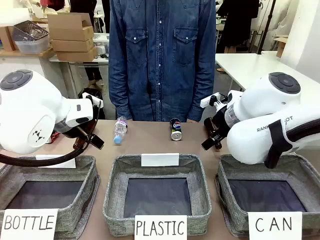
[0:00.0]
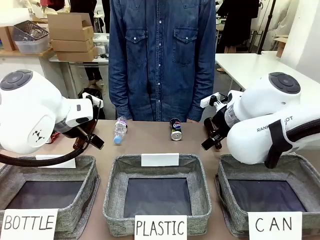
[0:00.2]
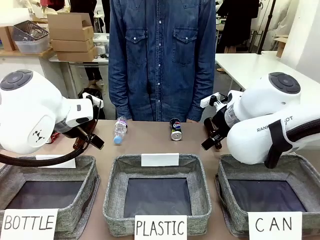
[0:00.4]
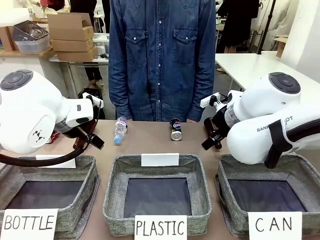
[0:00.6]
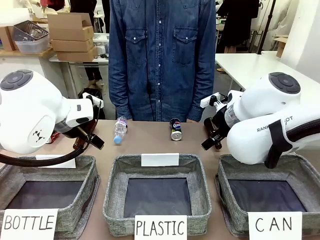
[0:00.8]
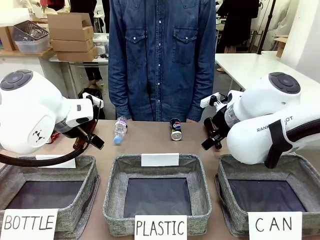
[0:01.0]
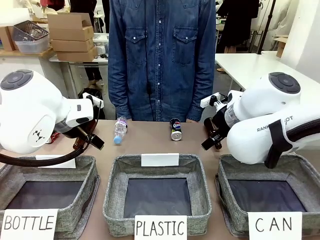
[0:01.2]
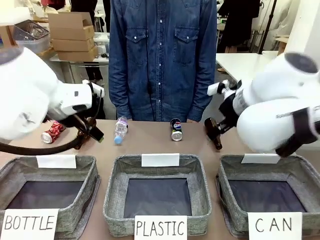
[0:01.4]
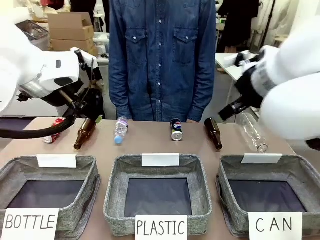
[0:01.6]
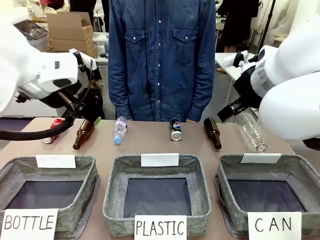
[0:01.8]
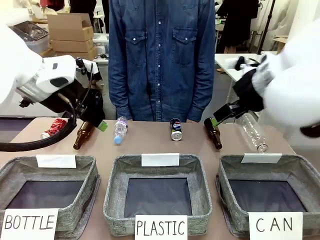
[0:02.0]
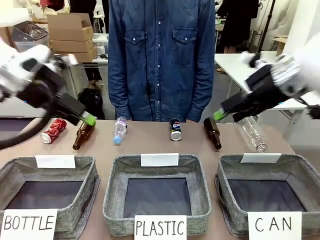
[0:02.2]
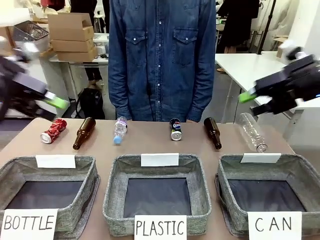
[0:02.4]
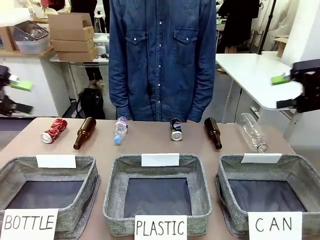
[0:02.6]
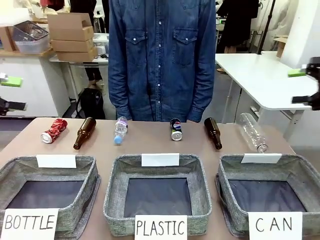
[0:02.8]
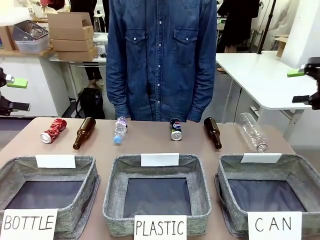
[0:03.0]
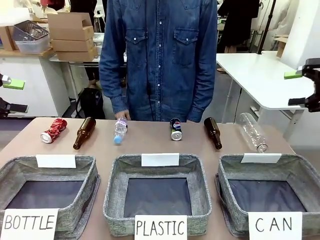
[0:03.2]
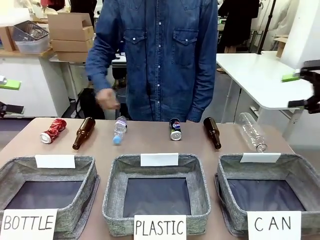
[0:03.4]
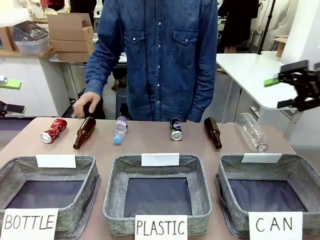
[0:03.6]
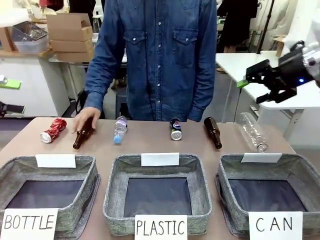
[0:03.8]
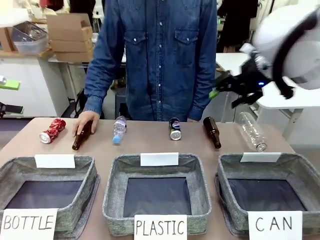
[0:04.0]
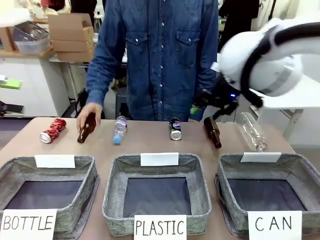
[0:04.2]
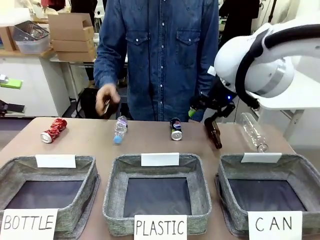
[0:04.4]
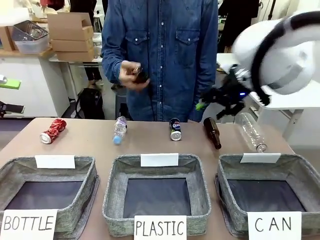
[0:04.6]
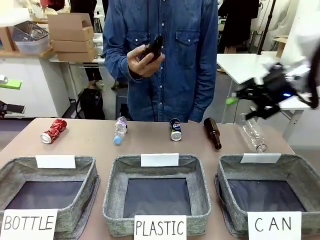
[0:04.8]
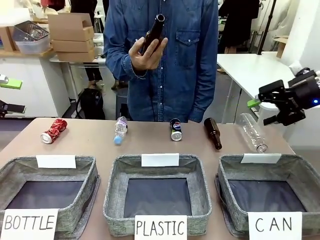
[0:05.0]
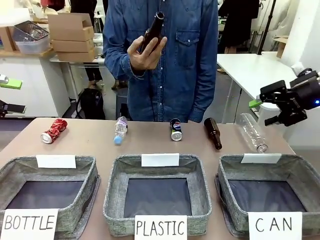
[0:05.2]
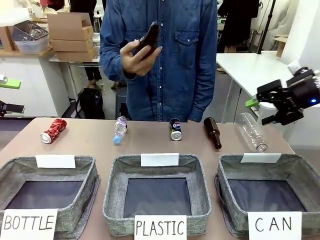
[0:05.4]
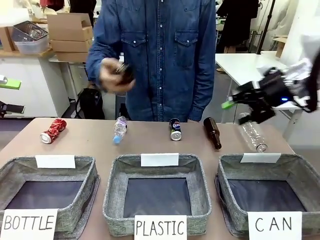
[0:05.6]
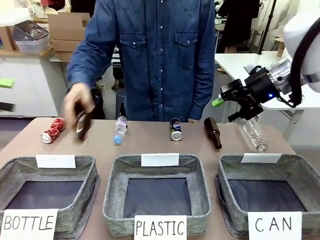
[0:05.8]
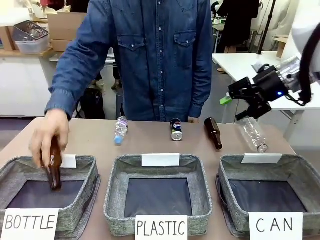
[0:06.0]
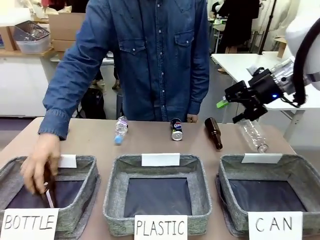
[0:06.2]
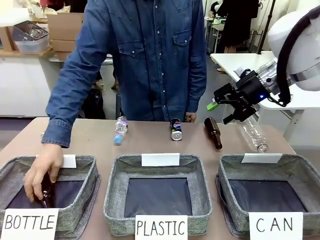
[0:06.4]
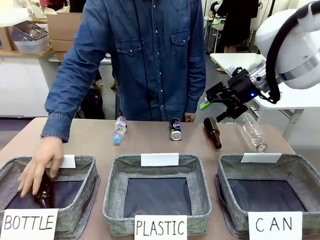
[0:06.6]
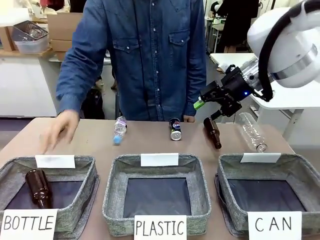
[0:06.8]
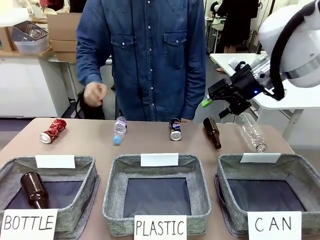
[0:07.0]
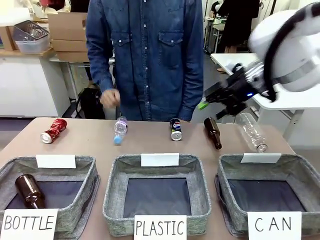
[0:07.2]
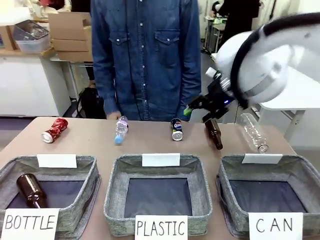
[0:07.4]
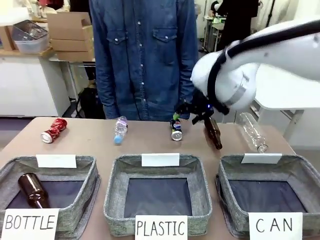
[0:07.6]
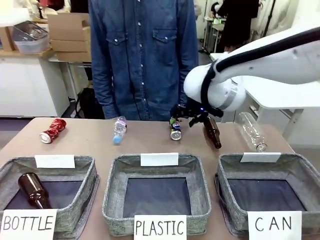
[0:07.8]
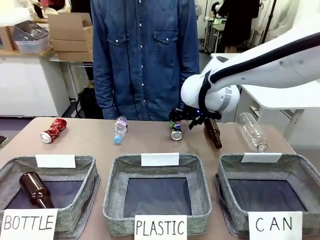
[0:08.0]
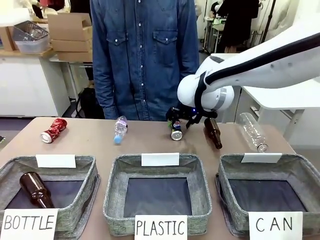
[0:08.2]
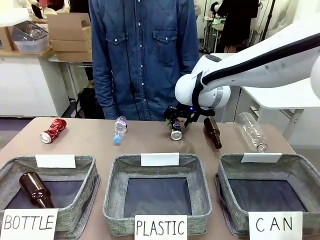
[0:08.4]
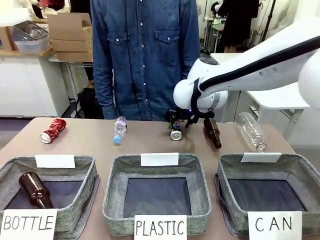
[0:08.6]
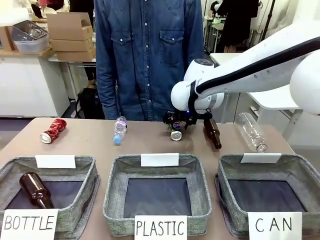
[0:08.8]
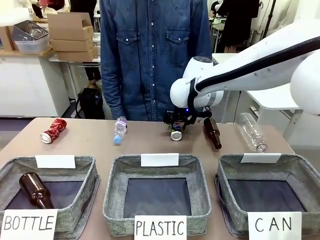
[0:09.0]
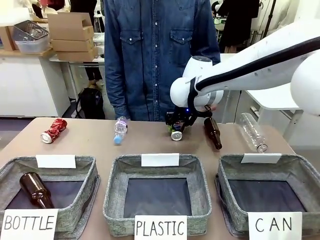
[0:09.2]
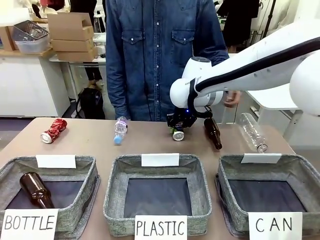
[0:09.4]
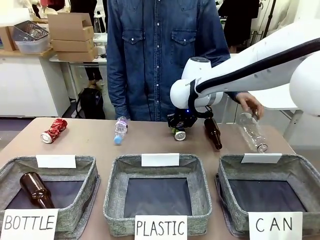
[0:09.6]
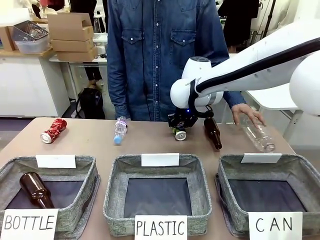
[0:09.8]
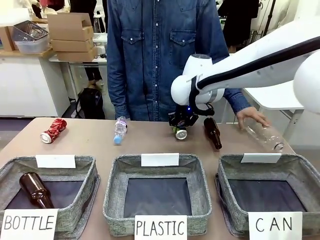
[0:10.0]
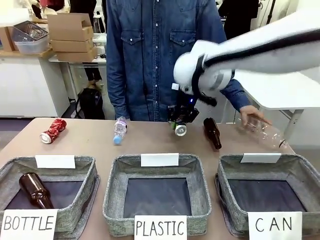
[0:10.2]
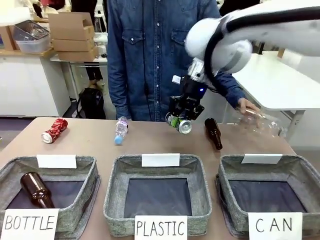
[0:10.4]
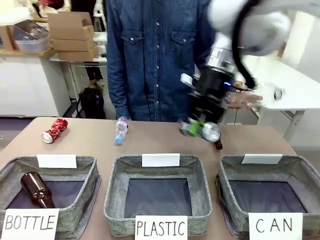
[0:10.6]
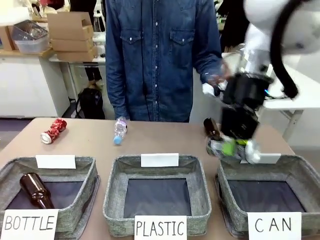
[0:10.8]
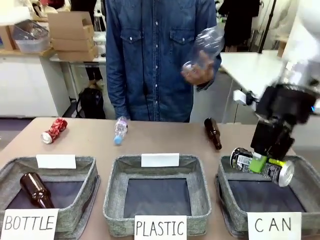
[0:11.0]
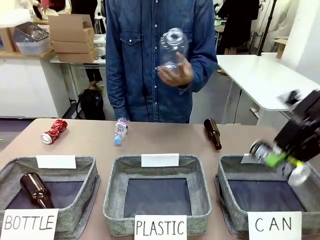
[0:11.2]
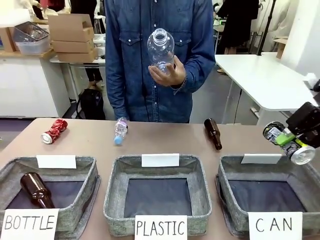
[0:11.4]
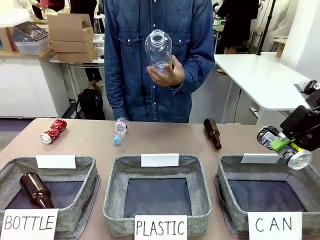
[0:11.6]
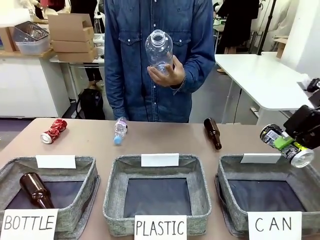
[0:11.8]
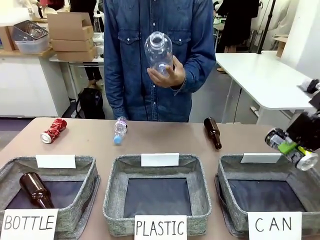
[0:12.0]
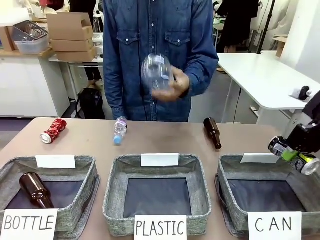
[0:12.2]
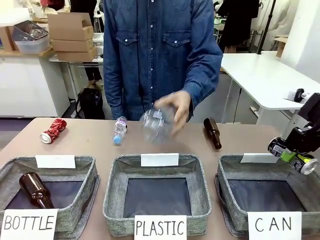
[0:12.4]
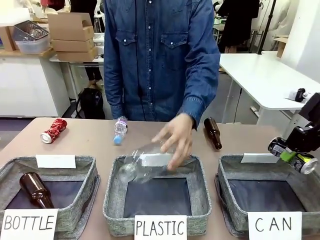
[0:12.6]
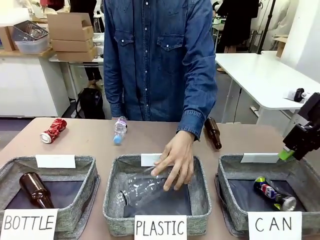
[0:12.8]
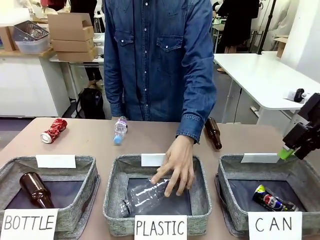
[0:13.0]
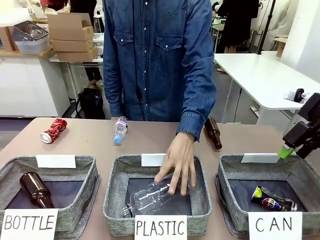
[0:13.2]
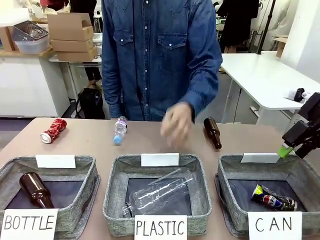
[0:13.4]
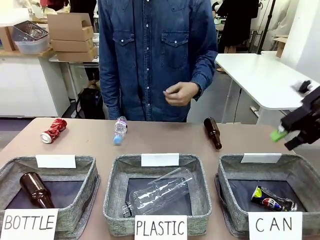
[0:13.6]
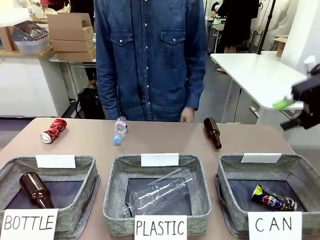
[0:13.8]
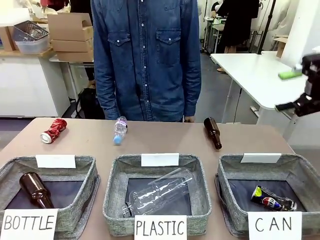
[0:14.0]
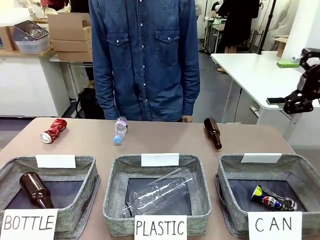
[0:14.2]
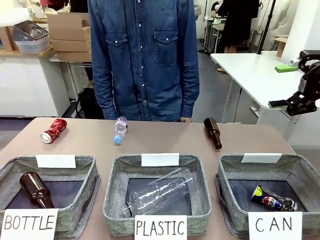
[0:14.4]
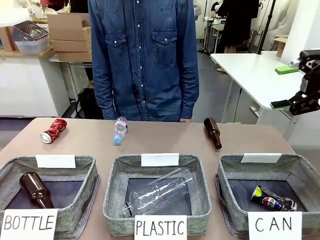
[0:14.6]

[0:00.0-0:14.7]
Task: Sort the can waste into the basket.
Robot: Pick up the can waste from the table and place it in the right Fabric basket.
